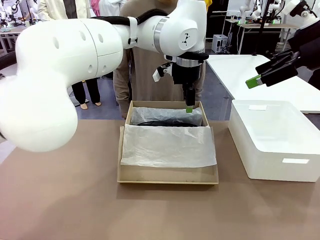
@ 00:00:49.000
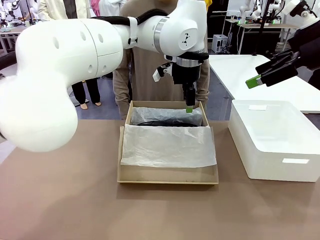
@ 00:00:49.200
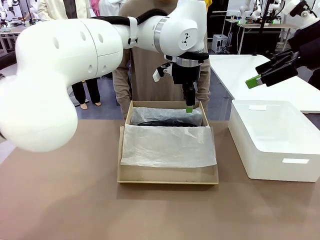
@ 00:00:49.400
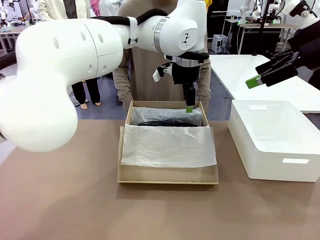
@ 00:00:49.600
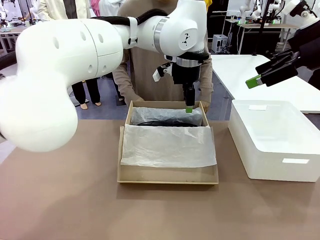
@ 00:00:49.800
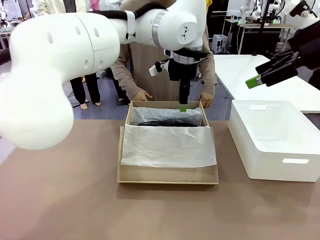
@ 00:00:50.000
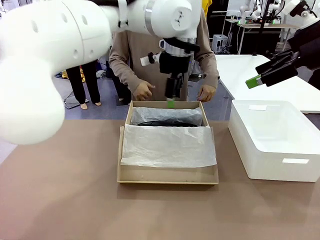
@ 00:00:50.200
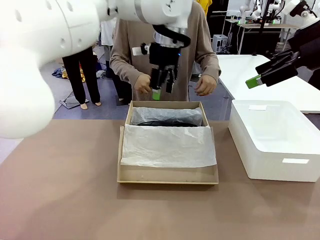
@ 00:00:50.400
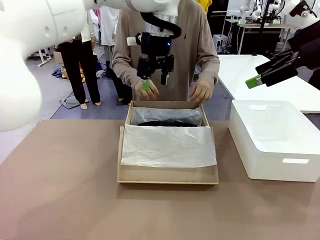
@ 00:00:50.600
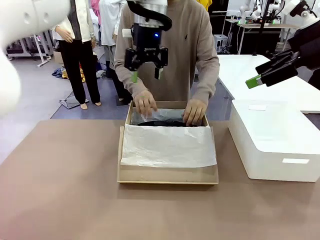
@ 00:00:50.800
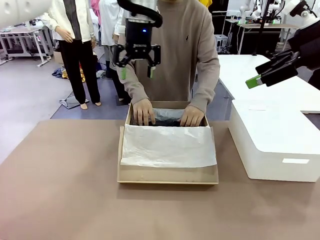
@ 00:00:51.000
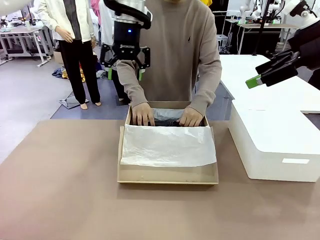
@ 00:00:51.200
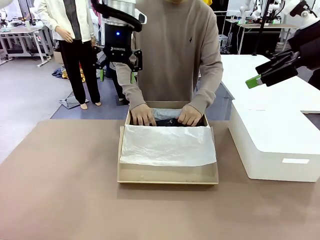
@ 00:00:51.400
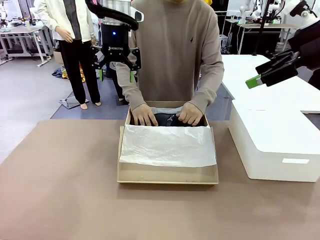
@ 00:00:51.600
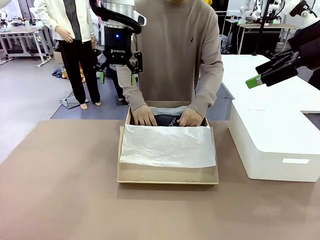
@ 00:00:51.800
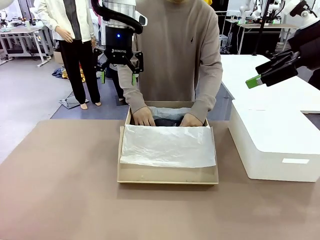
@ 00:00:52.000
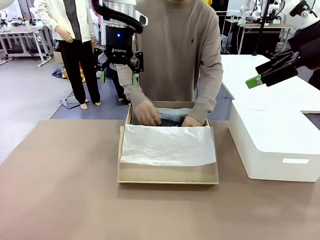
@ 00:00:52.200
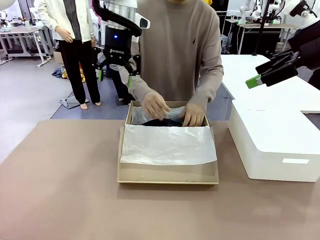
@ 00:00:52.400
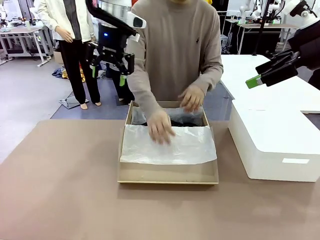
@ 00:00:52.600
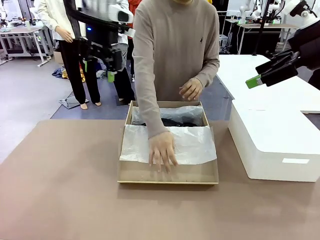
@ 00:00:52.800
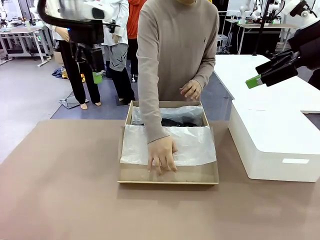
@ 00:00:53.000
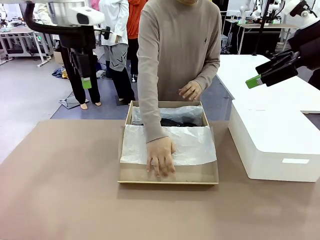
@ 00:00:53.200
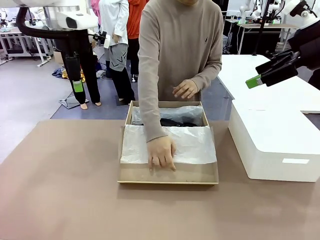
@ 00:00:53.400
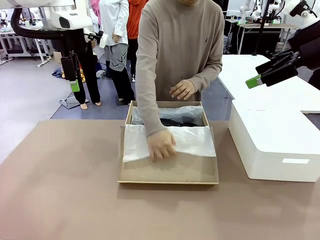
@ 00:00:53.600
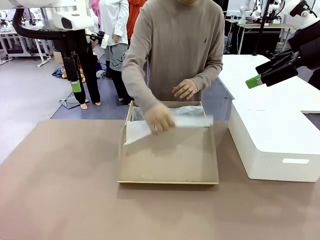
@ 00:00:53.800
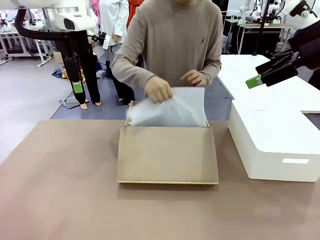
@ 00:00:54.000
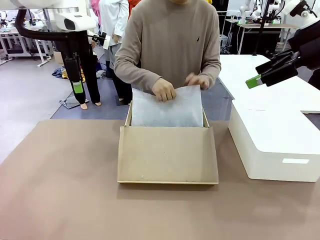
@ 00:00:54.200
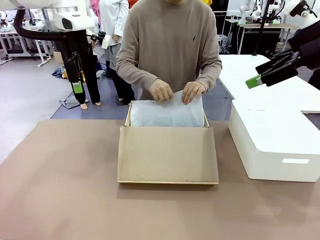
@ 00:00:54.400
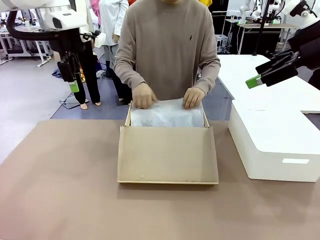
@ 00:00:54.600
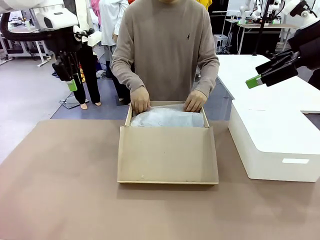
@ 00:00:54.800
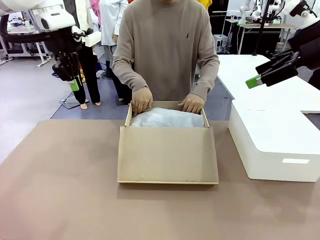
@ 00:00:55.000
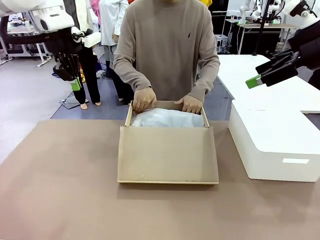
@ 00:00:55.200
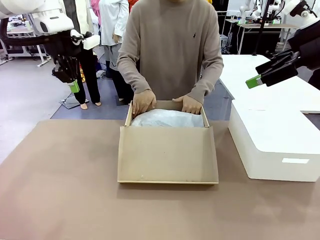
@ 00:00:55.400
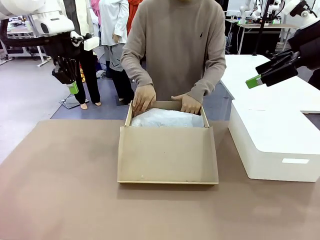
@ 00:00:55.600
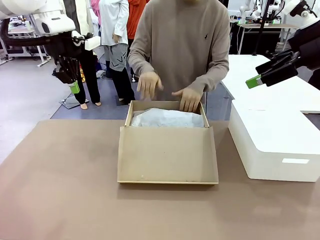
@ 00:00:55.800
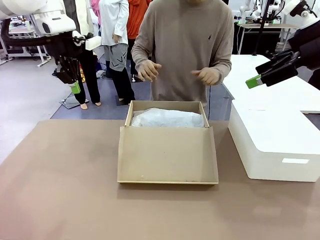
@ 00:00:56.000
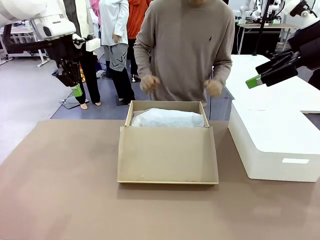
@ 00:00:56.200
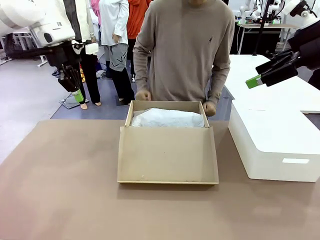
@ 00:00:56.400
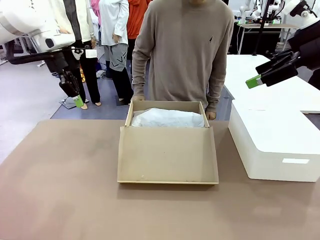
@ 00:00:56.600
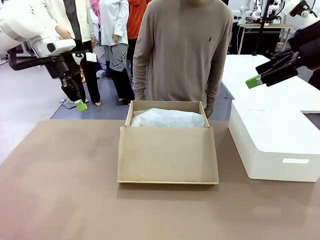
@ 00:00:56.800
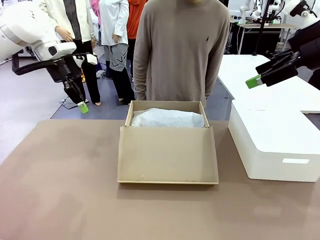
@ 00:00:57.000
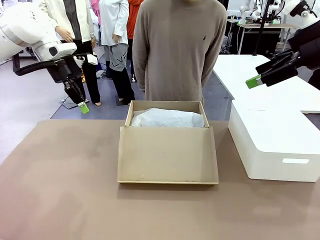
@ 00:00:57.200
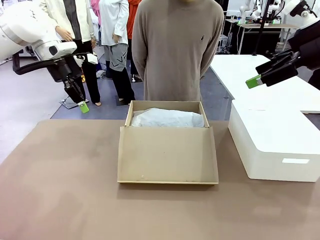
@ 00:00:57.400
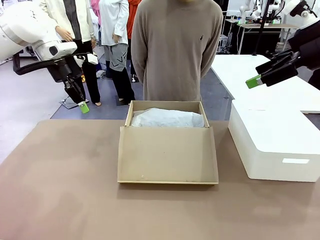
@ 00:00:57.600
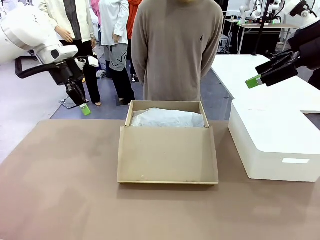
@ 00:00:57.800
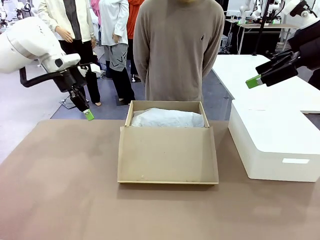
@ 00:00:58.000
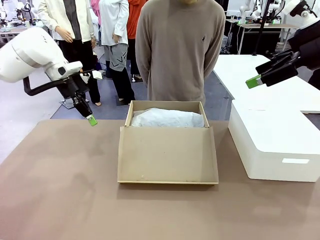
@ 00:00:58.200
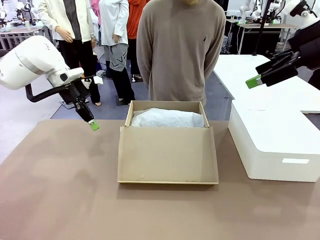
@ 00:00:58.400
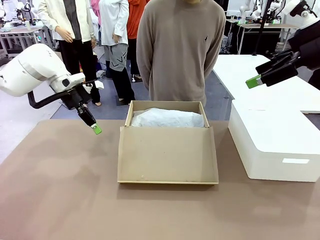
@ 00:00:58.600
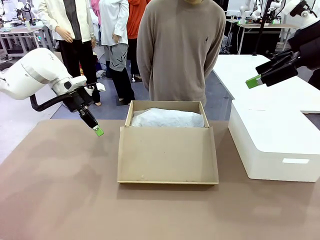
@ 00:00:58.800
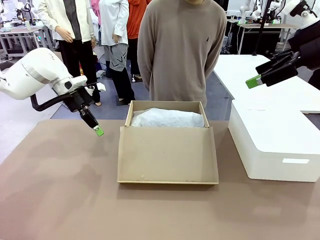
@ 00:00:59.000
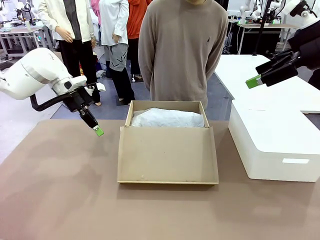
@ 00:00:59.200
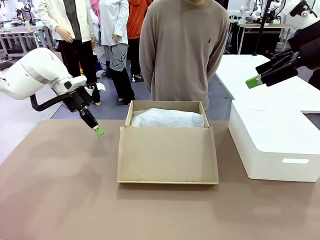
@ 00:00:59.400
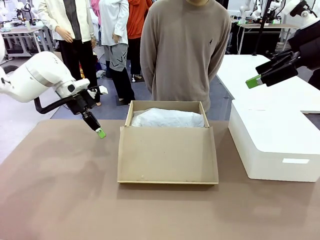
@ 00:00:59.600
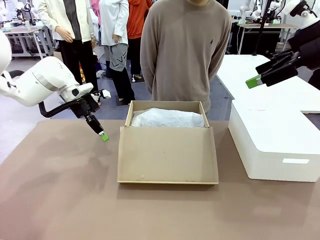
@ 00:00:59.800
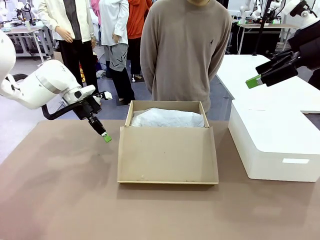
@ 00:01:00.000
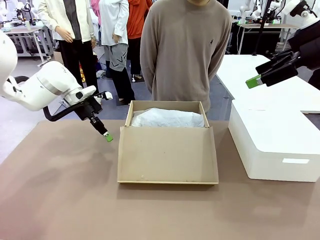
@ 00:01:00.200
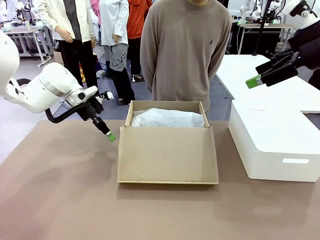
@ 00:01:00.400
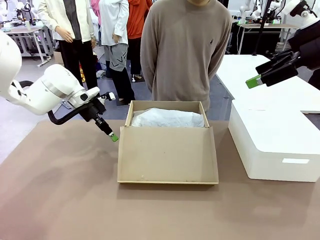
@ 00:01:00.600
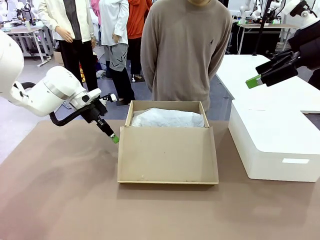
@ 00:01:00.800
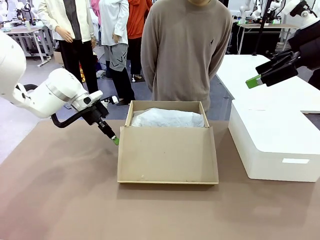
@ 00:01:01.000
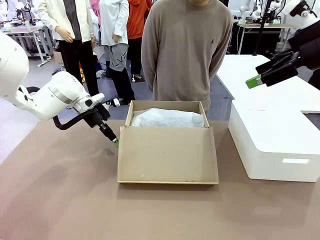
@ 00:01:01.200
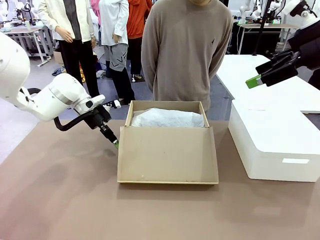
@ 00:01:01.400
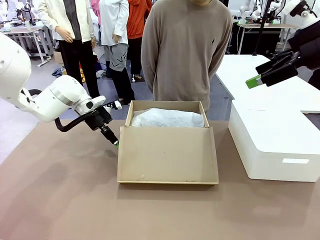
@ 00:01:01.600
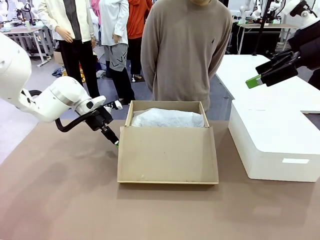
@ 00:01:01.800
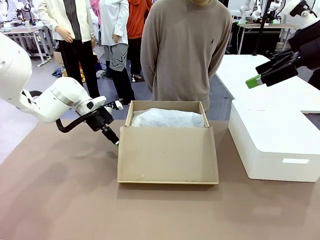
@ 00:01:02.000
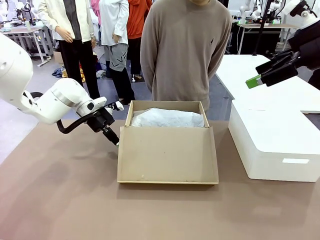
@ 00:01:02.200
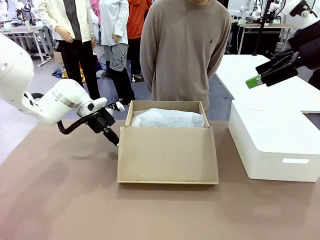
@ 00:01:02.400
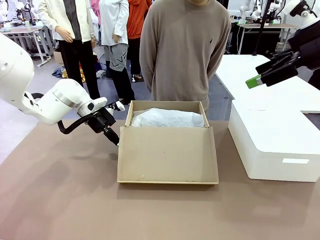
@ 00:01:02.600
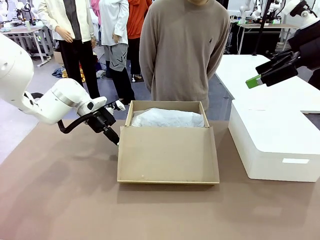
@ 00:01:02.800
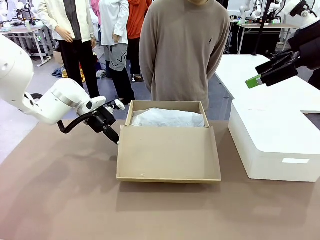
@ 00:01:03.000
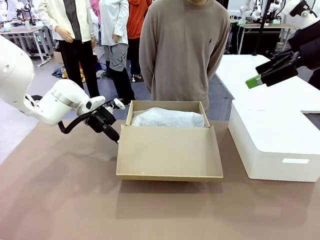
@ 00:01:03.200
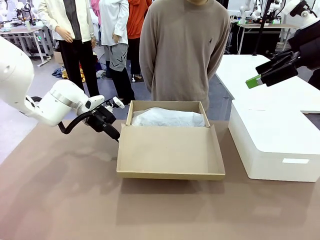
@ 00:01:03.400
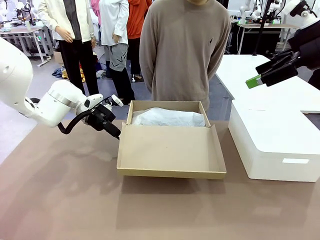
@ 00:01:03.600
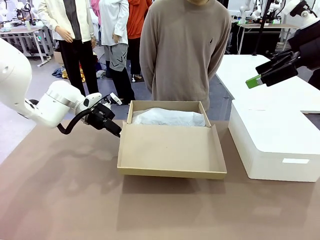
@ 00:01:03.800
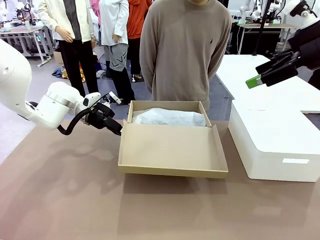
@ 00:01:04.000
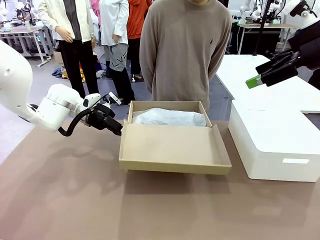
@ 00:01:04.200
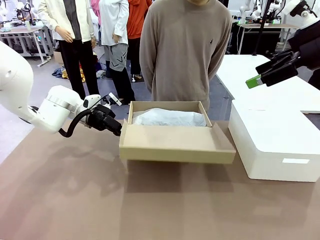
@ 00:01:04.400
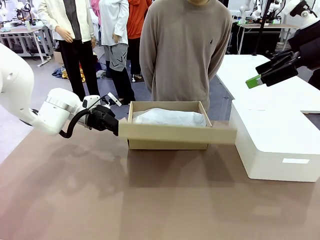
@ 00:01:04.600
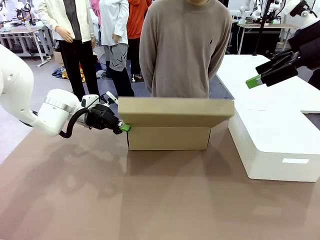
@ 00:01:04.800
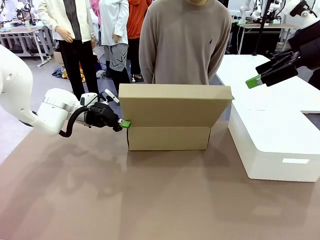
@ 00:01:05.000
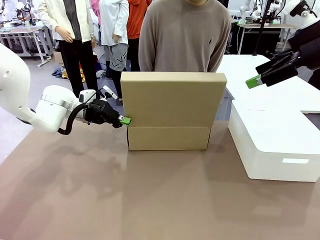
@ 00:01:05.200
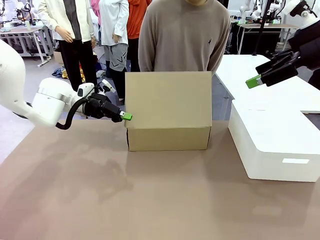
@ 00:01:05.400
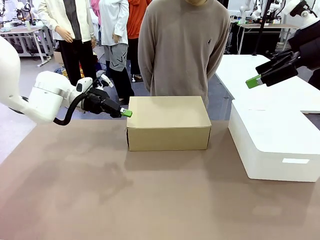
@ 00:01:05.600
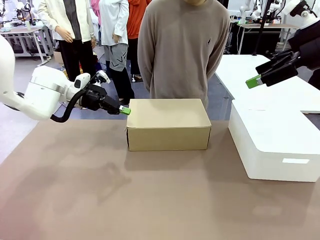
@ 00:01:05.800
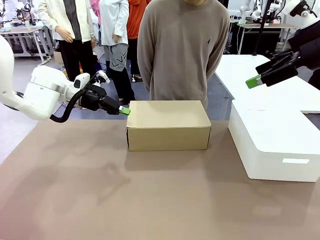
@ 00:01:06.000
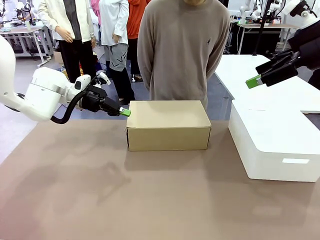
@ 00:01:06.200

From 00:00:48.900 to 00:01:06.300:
Task: Pack the shoes into the box.
Robot: Close the Shoes Box.
